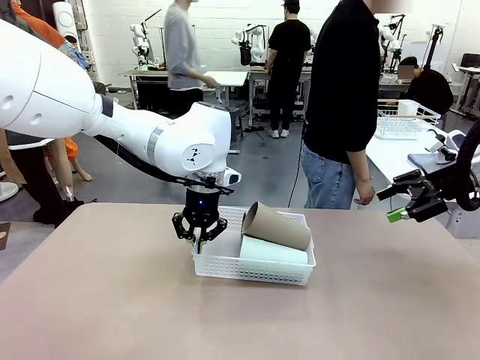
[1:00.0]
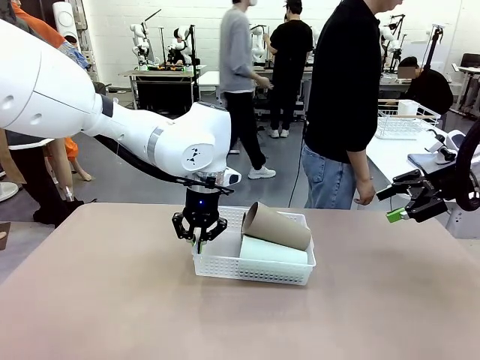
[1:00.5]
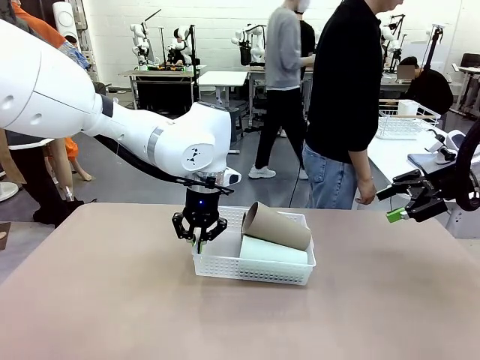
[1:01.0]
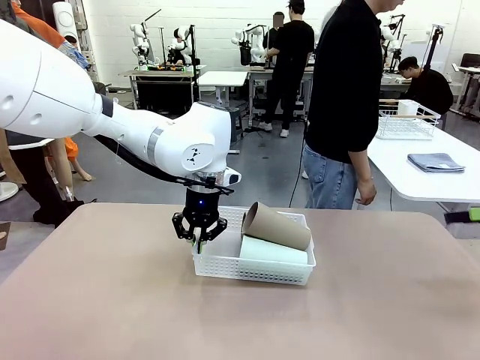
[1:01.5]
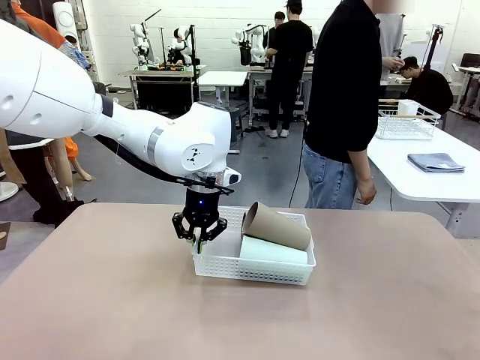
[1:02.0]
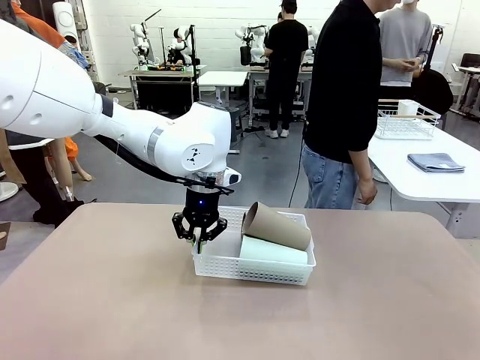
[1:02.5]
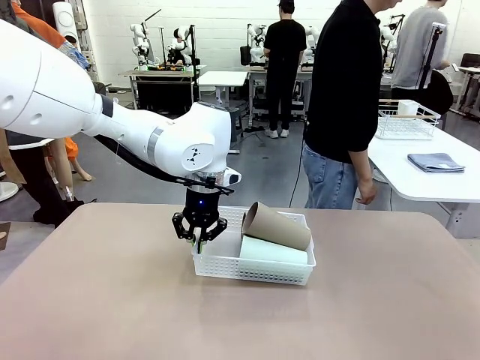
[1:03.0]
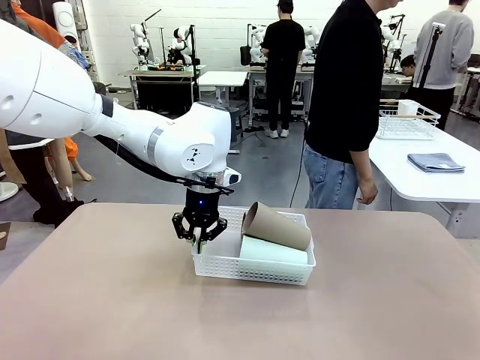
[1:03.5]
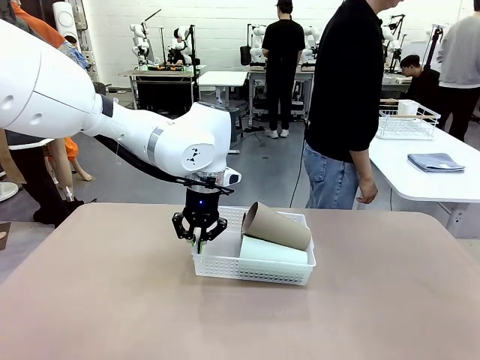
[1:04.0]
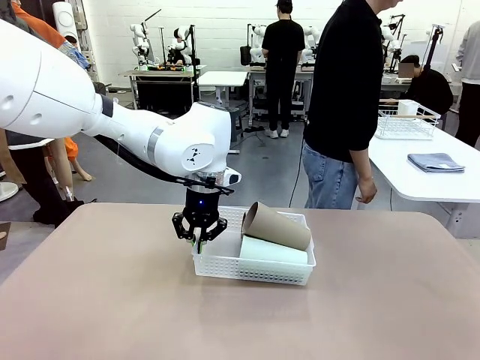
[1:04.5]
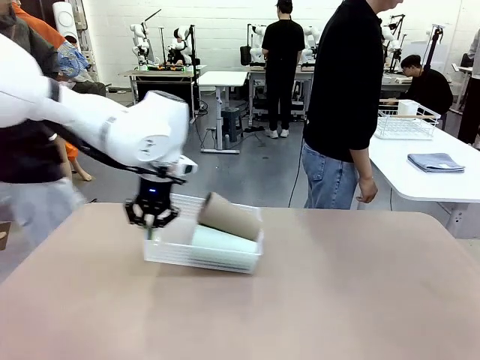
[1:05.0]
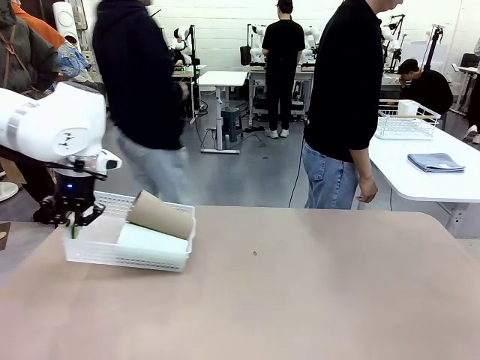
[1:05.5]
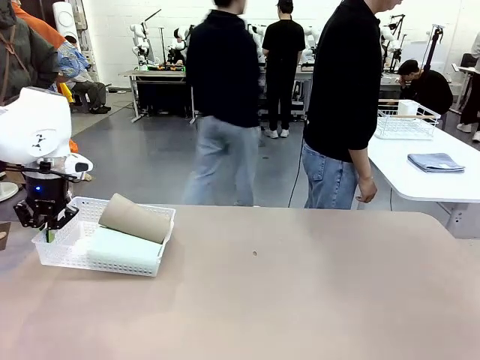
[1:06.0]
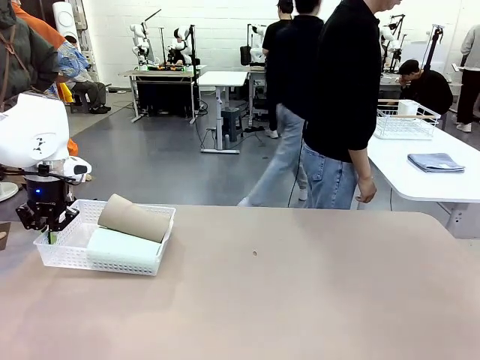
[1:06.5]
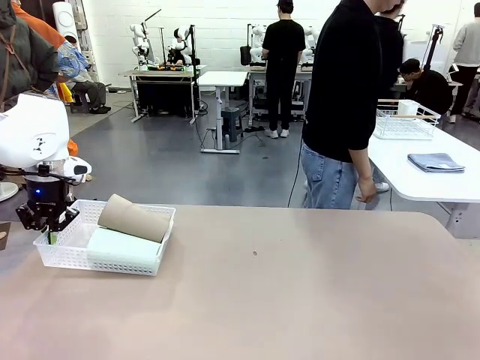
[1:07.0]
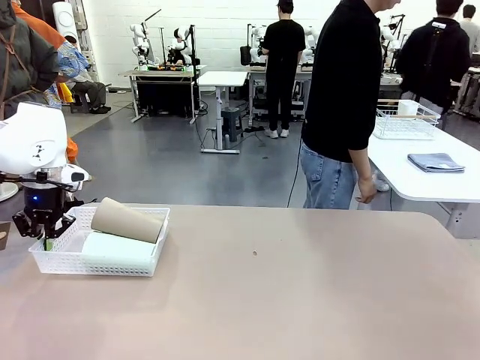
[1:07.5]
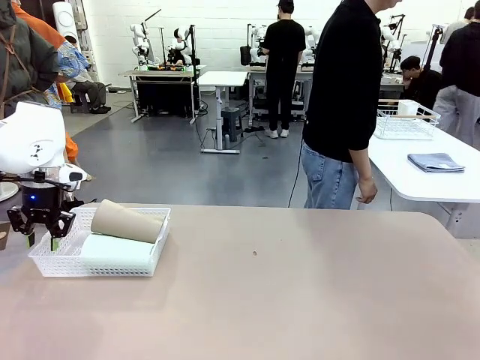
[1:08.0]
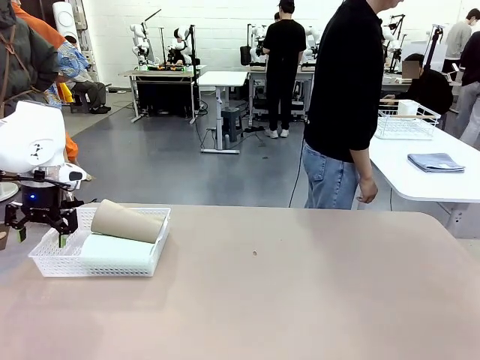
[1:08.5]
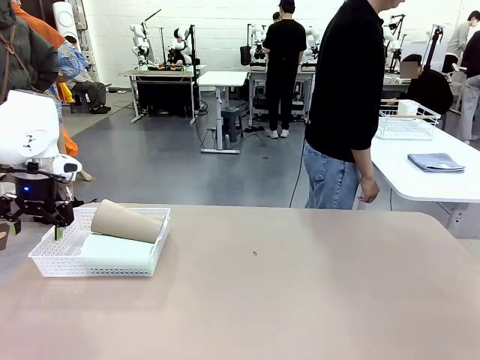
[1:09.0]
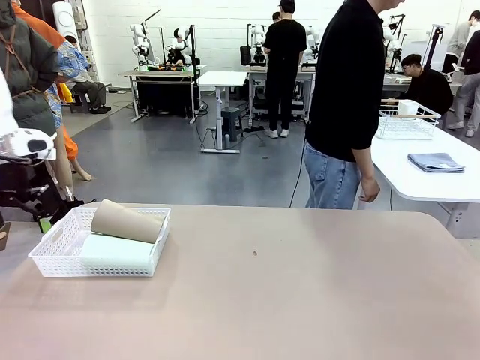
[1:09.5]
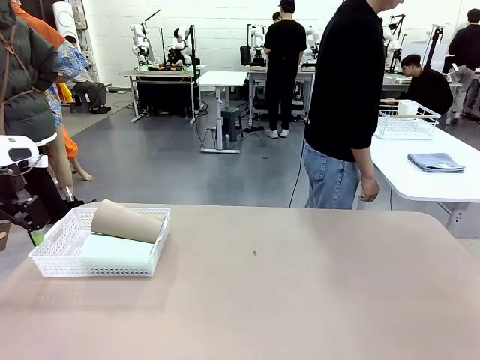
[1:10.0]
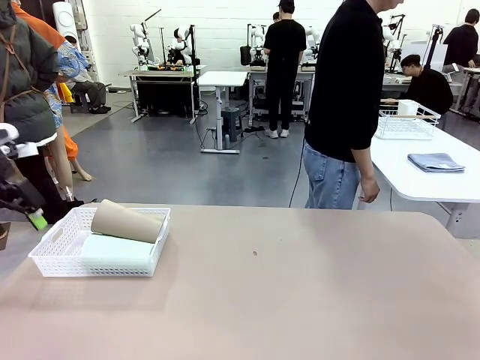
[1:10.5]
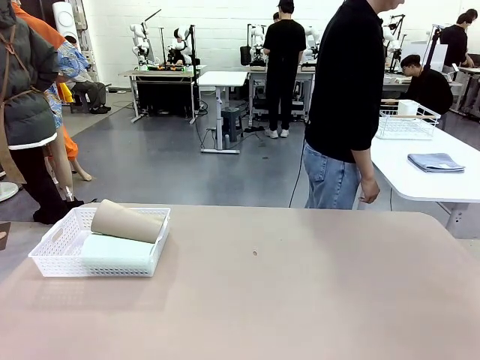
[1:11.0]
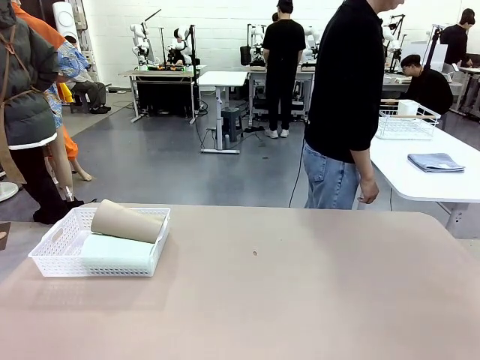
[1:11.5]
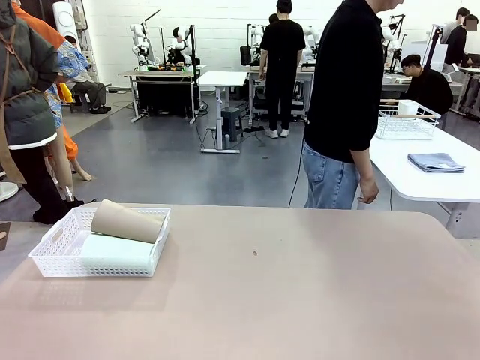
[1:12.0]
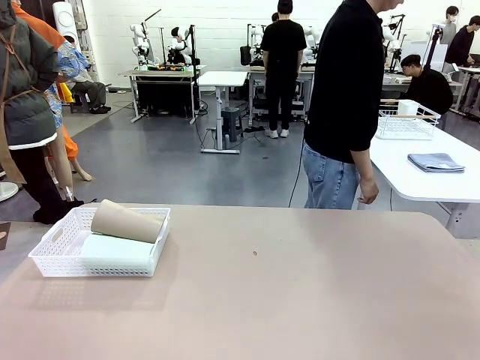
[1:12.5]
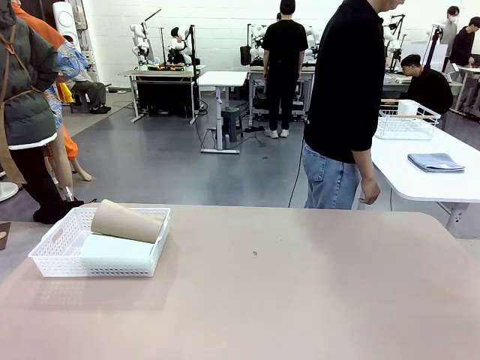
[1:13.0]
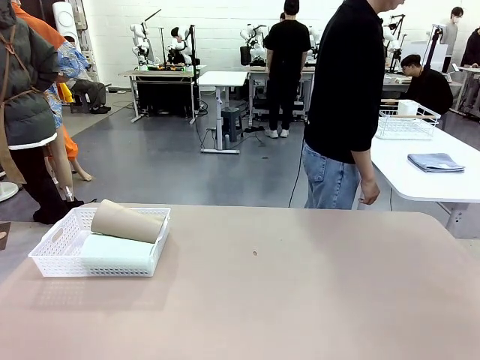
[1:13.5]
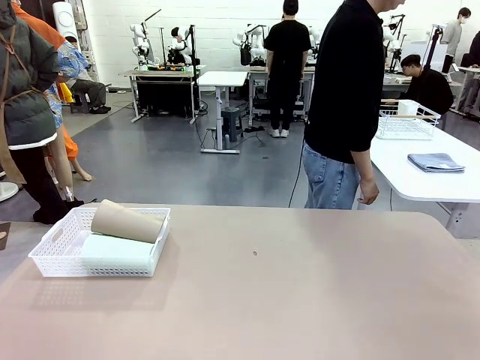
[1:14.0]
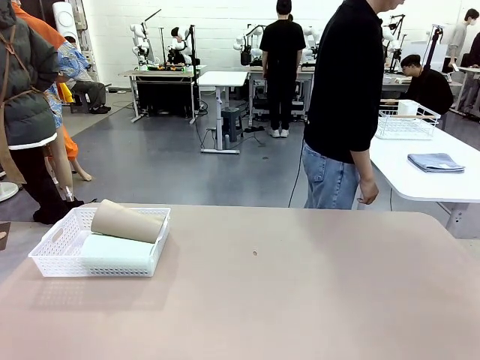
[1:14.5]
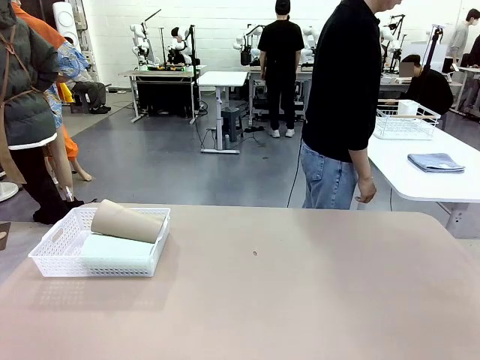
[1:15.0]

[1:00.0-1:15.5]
Task: Clean and organize the cups into the basket.
Robot: Move the Organizing basket back to the left side of the table.
Person: Folds the towel in half twice and places it in the right of the table.

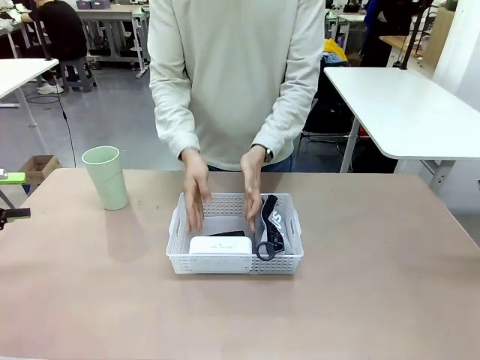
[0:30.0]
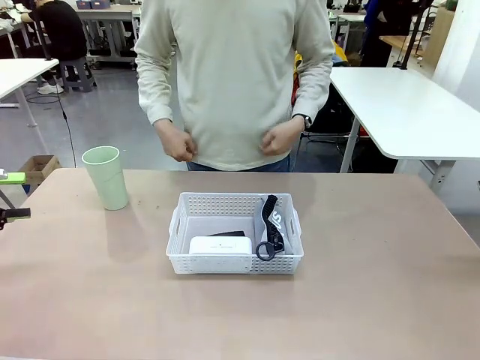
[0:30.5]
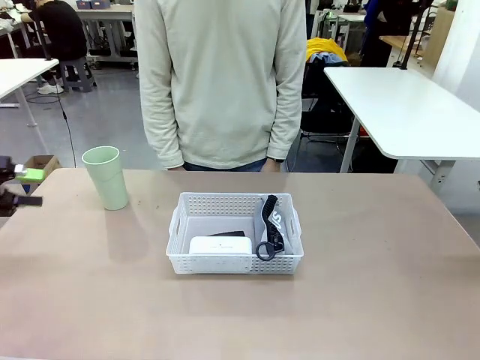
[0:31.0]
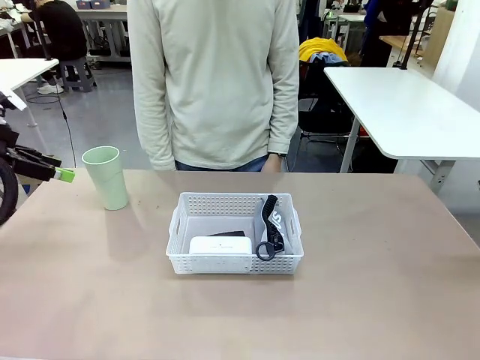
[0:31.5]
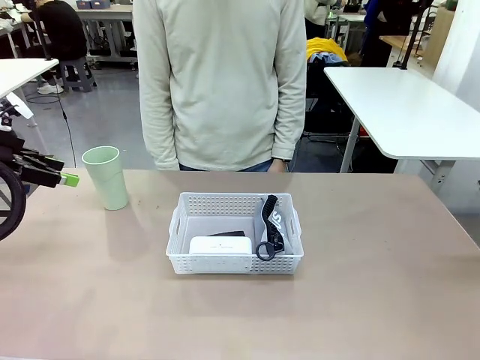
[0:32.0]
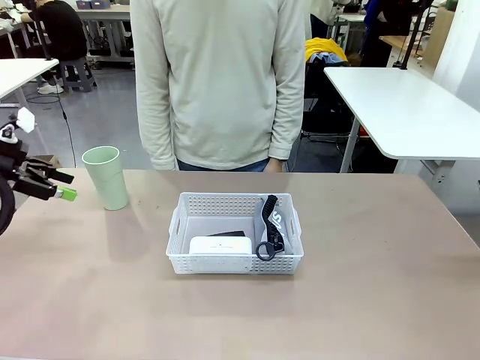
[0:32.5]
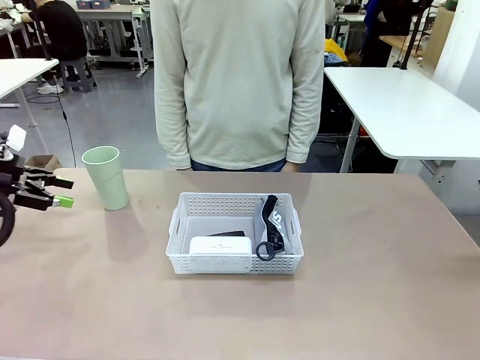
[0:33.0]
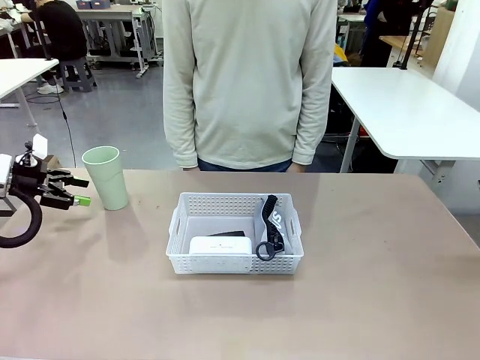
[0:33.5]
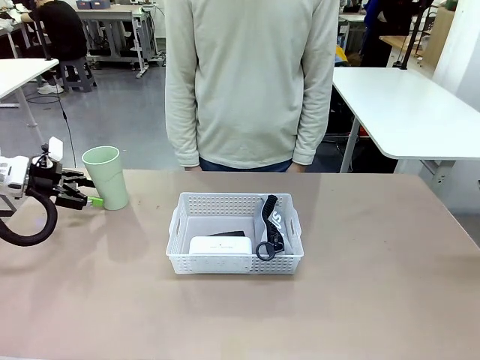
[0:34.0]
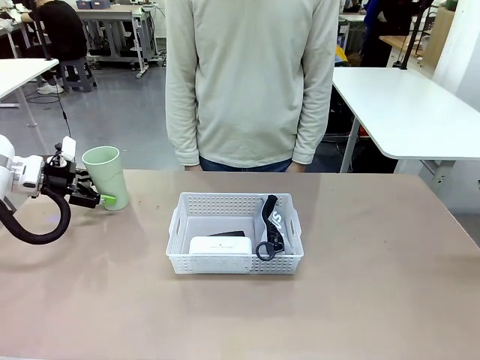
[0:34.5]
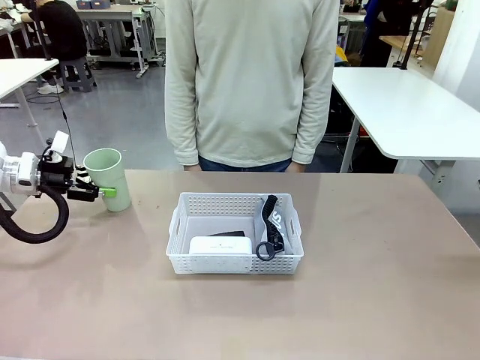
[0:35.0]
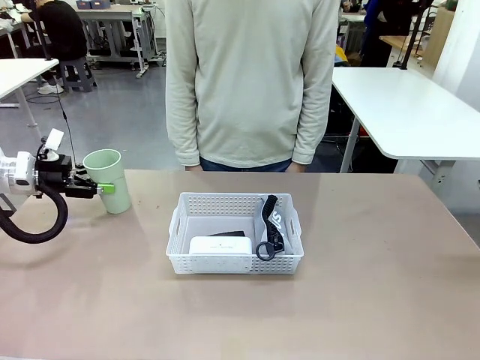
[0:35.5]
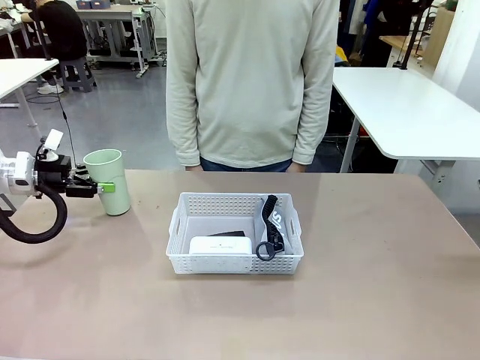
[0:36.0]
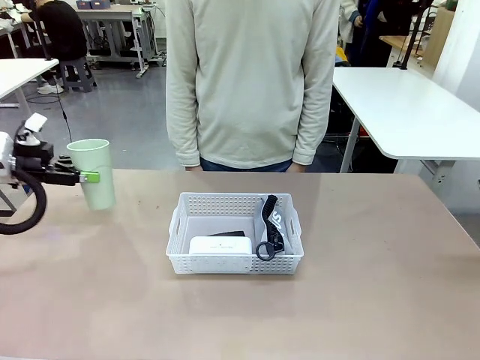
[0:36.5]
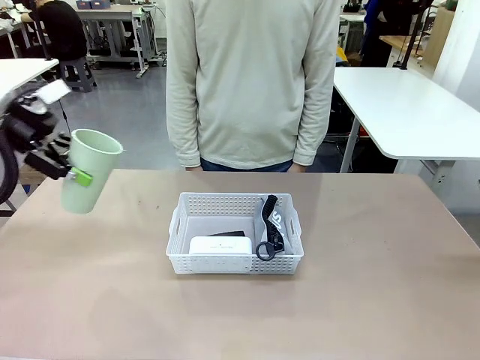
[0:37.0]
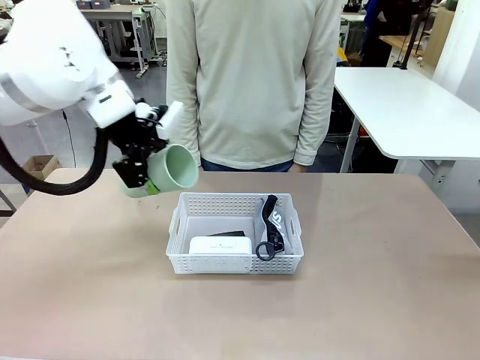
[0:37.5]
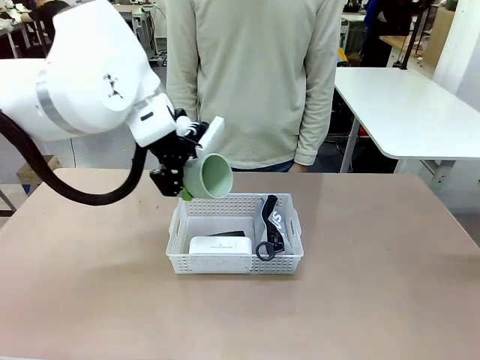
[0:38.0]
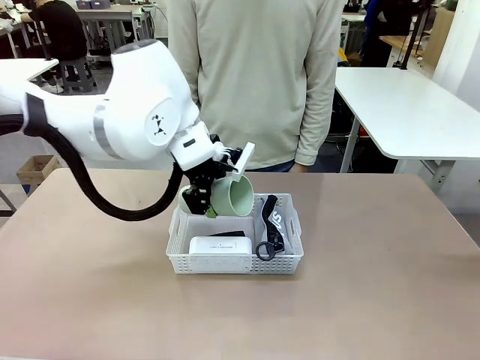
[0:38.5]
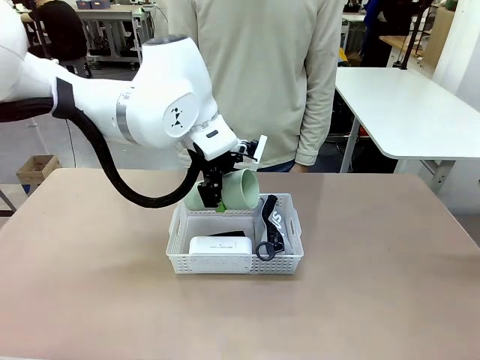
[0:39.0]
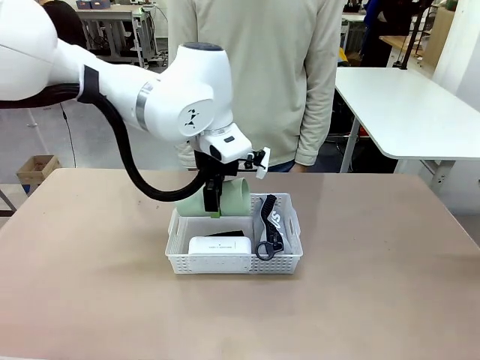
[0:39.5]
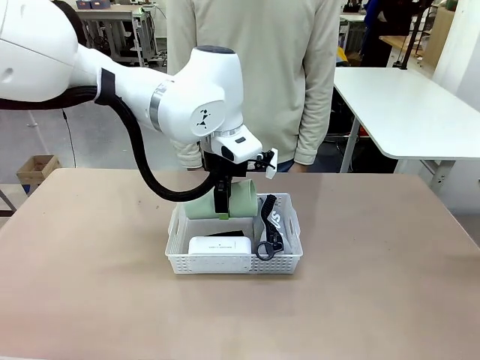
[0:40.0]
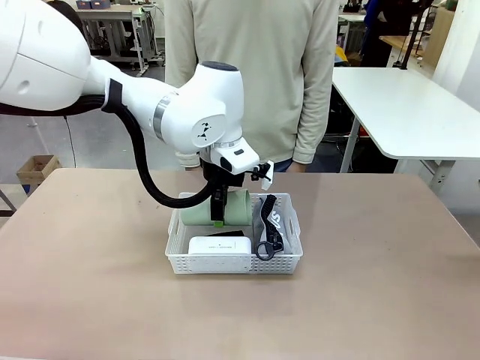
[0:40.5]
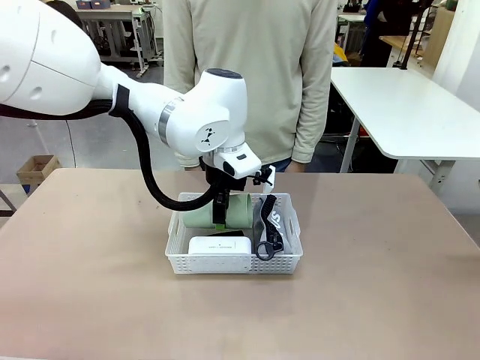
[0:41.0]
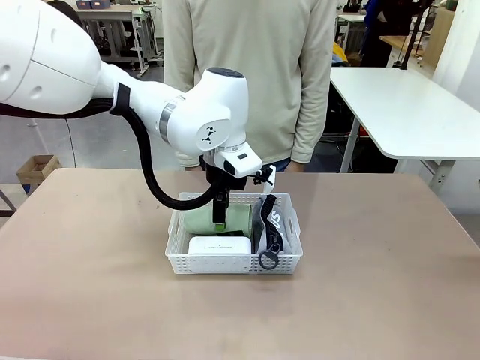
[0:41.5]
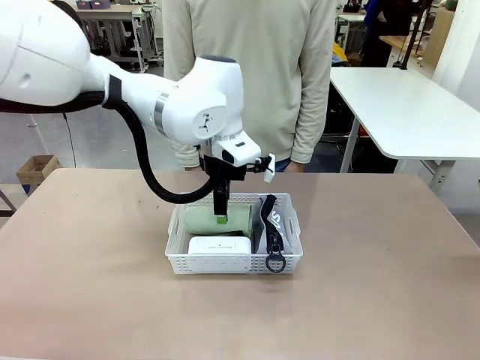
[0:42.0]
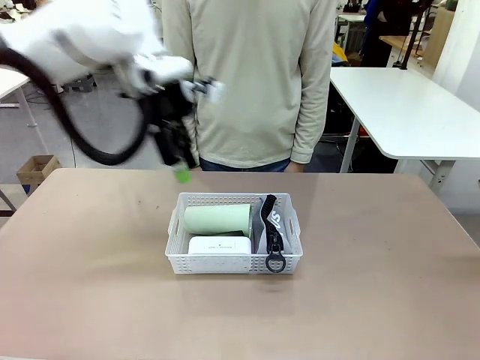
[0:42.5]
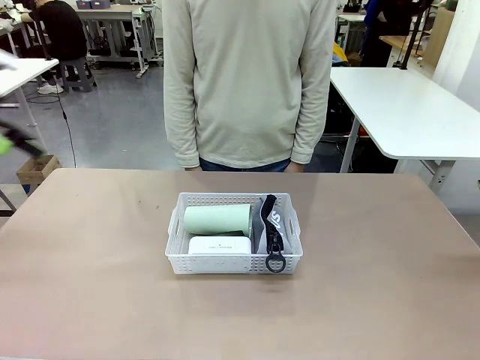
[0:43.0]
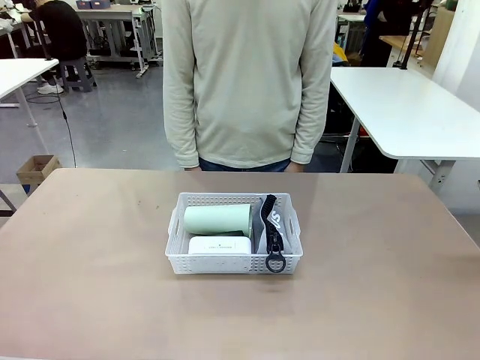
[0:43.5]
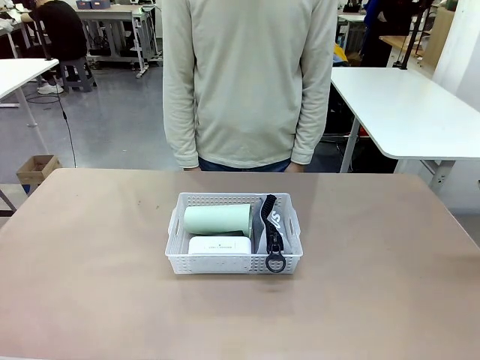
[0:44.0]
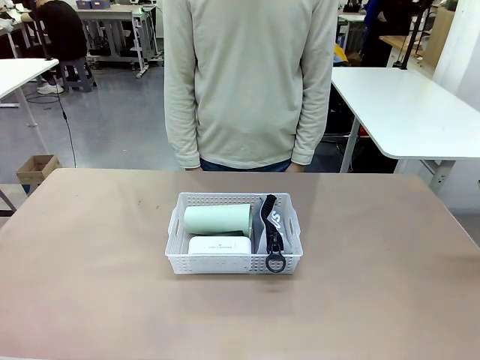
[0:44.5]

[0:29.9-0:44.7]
Task: Efficiently arrange items inside the basket to fit them all.
Robot: Pick up the Reusable plastic cup and place it inside the Organizing basket.
Person: Repositions the stapler.
